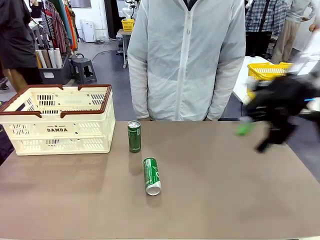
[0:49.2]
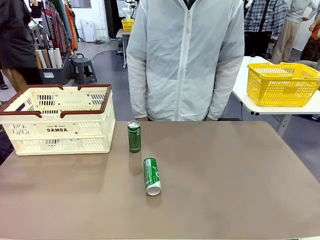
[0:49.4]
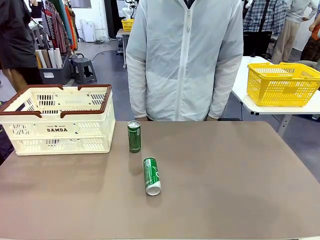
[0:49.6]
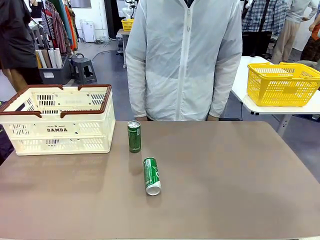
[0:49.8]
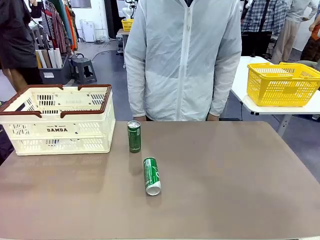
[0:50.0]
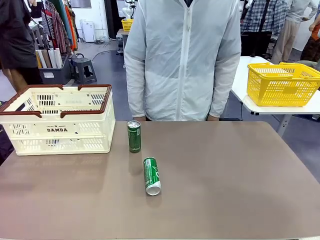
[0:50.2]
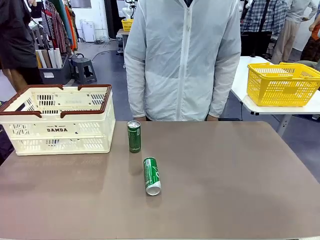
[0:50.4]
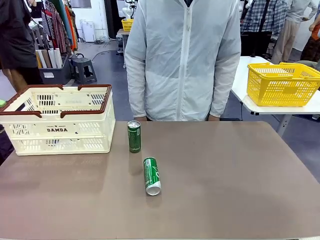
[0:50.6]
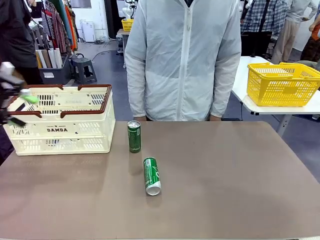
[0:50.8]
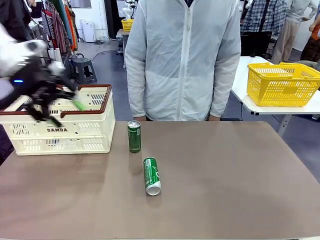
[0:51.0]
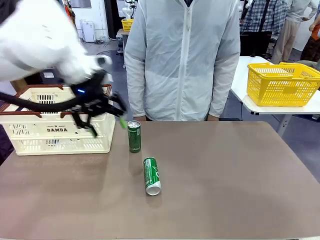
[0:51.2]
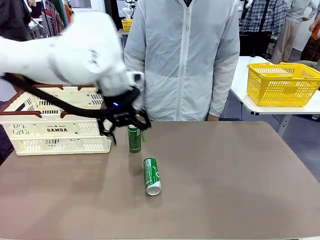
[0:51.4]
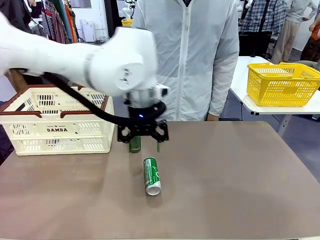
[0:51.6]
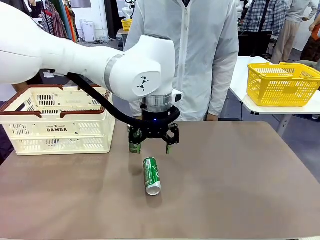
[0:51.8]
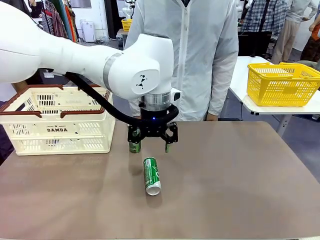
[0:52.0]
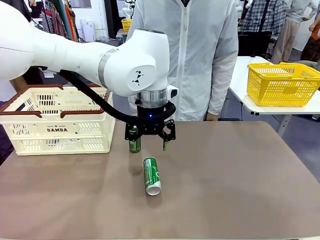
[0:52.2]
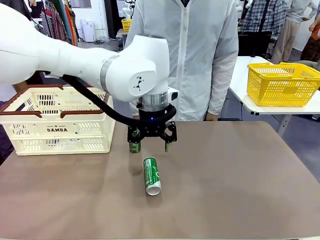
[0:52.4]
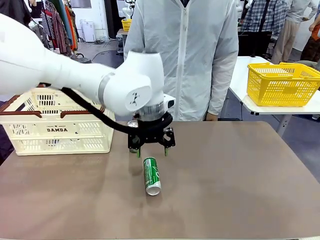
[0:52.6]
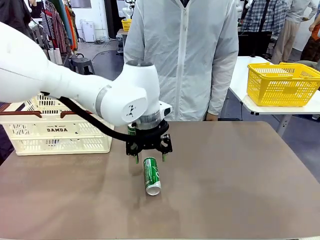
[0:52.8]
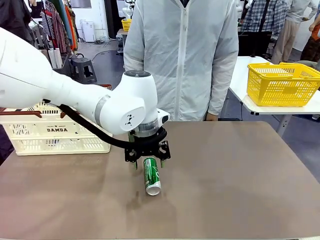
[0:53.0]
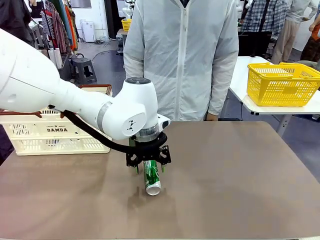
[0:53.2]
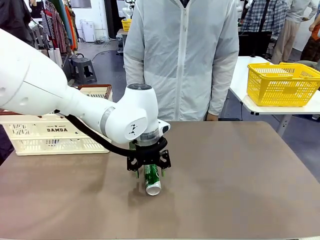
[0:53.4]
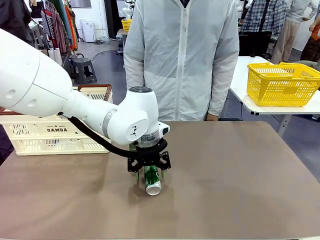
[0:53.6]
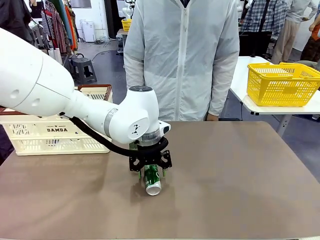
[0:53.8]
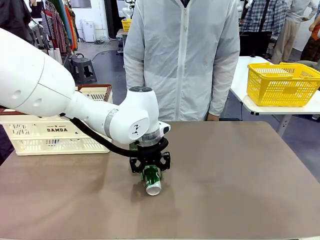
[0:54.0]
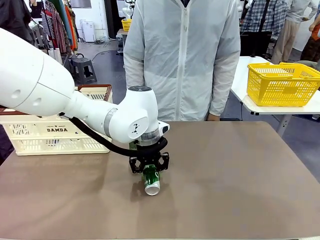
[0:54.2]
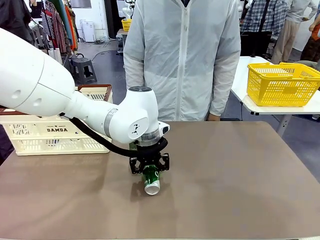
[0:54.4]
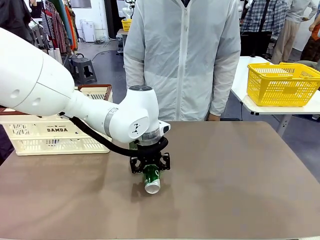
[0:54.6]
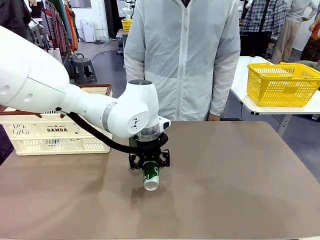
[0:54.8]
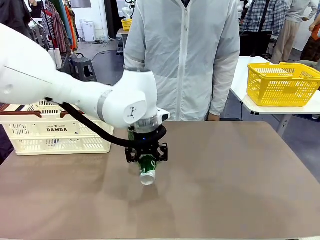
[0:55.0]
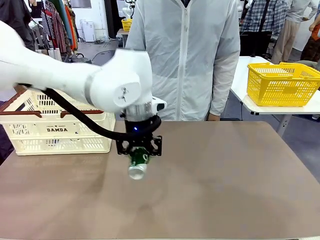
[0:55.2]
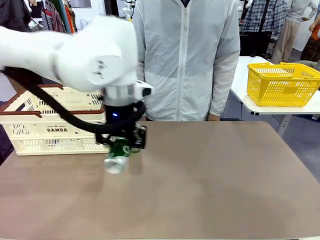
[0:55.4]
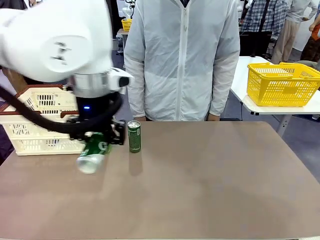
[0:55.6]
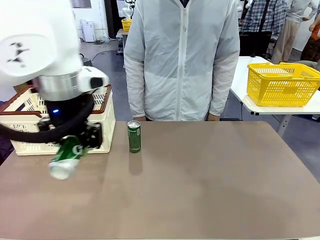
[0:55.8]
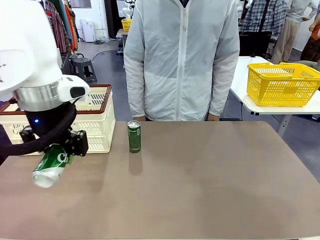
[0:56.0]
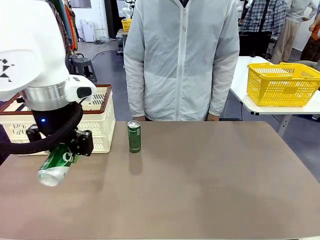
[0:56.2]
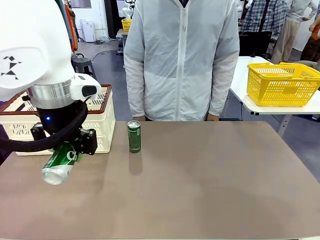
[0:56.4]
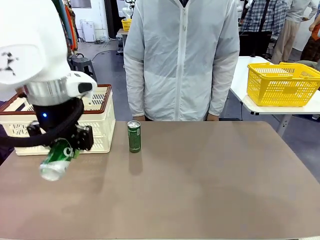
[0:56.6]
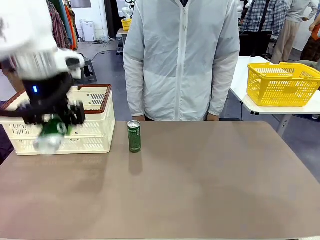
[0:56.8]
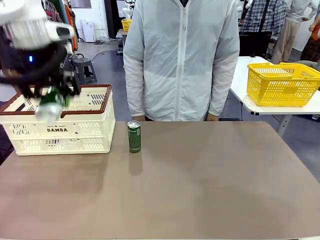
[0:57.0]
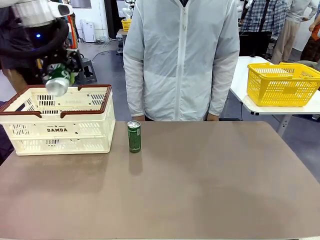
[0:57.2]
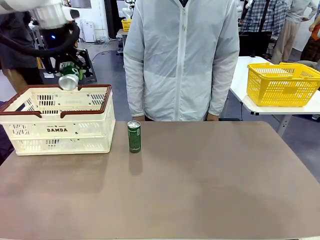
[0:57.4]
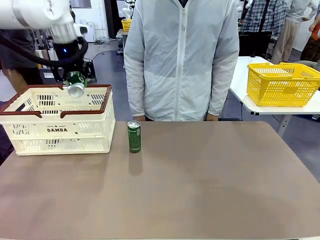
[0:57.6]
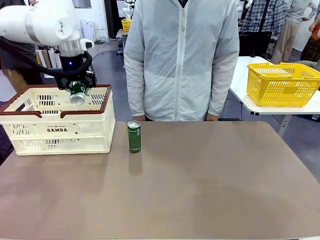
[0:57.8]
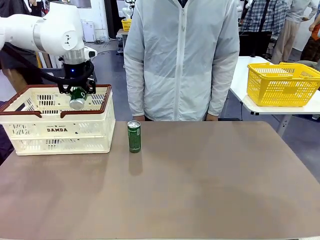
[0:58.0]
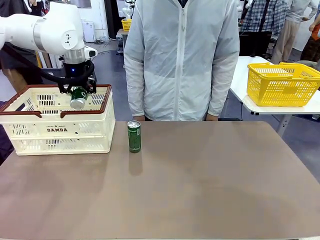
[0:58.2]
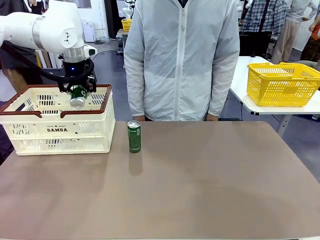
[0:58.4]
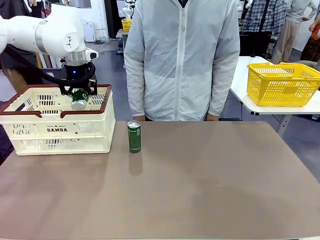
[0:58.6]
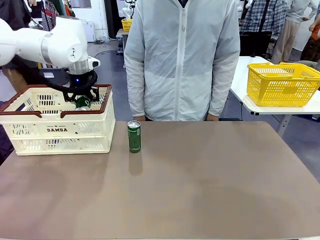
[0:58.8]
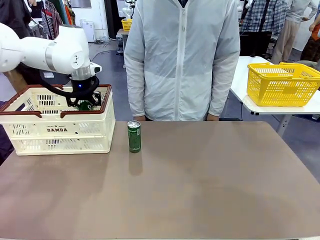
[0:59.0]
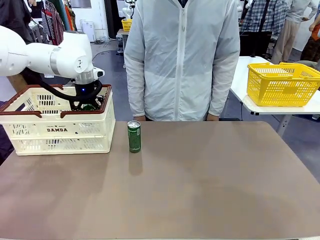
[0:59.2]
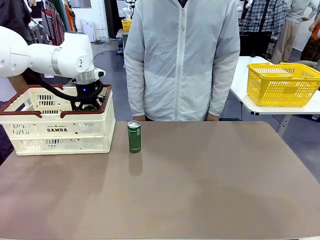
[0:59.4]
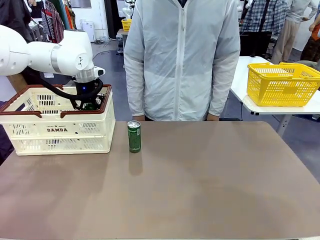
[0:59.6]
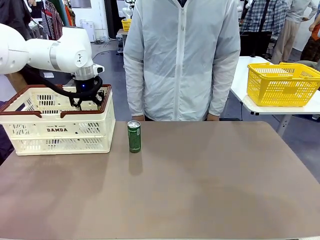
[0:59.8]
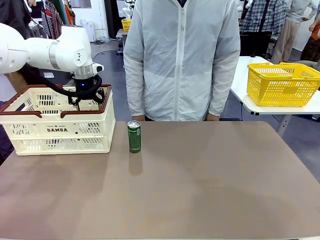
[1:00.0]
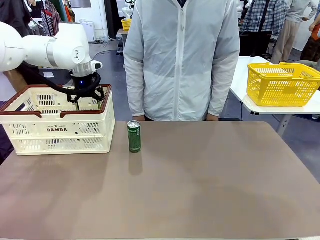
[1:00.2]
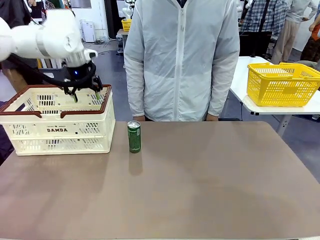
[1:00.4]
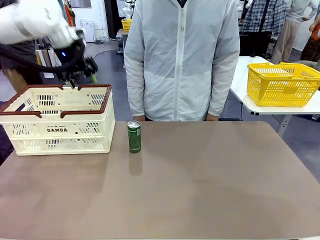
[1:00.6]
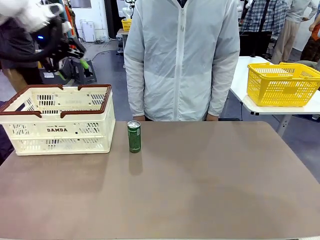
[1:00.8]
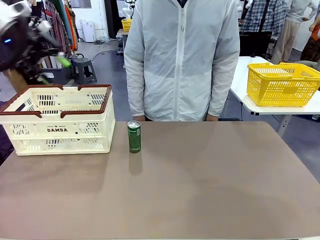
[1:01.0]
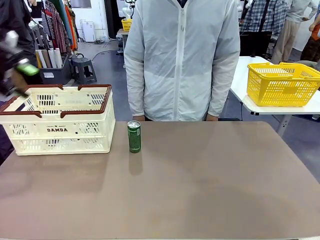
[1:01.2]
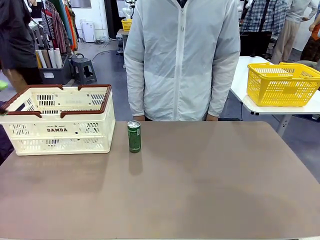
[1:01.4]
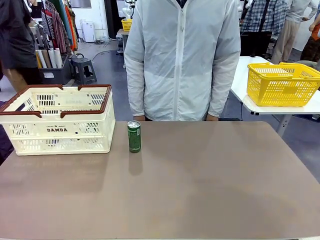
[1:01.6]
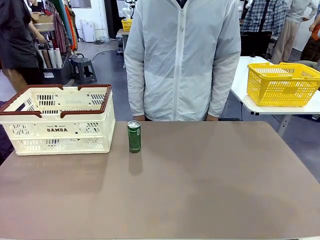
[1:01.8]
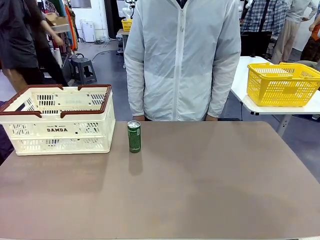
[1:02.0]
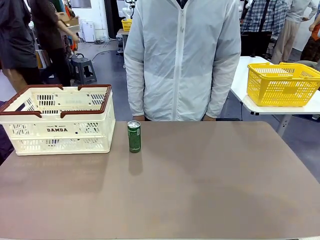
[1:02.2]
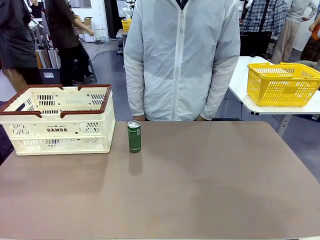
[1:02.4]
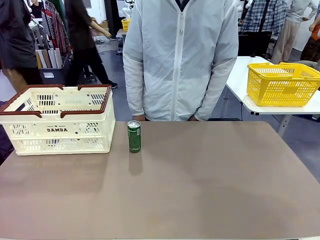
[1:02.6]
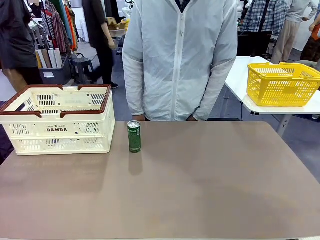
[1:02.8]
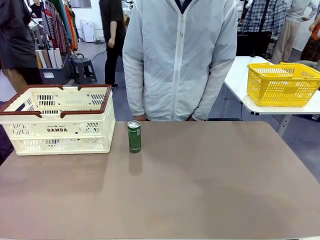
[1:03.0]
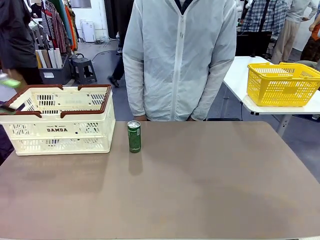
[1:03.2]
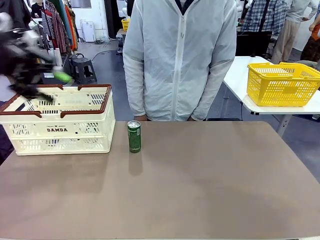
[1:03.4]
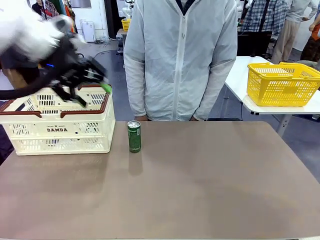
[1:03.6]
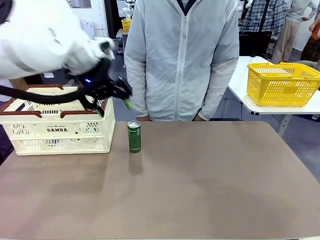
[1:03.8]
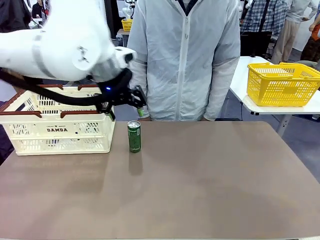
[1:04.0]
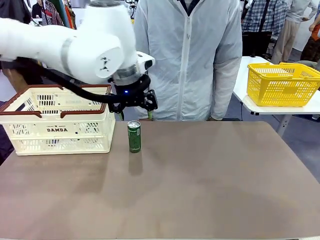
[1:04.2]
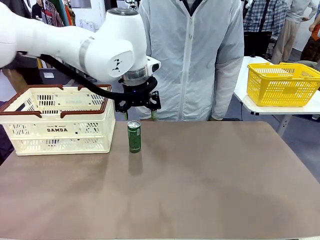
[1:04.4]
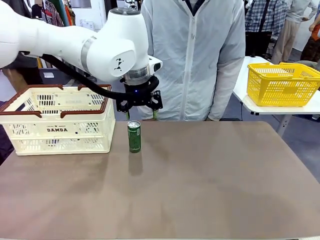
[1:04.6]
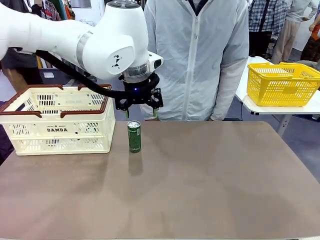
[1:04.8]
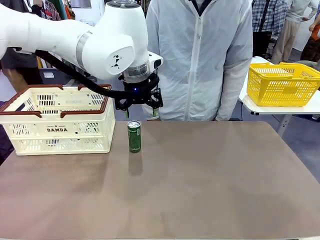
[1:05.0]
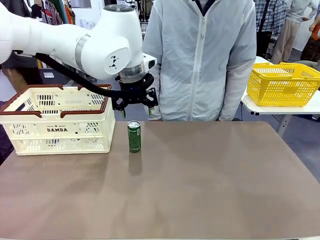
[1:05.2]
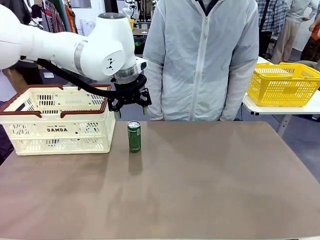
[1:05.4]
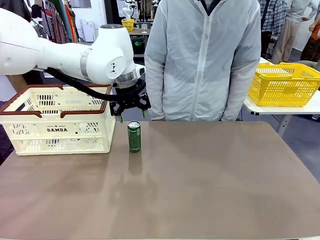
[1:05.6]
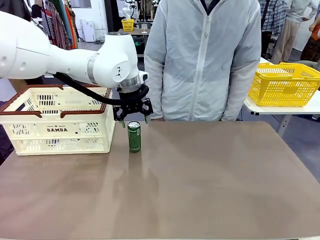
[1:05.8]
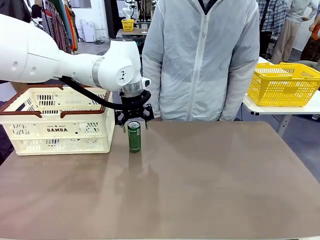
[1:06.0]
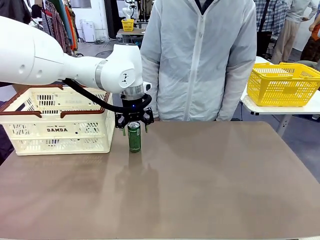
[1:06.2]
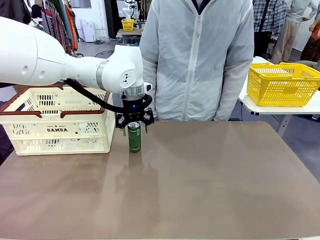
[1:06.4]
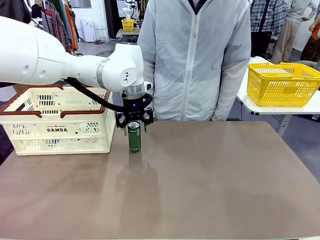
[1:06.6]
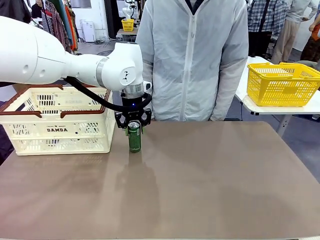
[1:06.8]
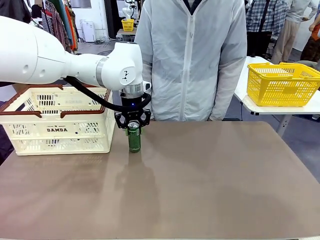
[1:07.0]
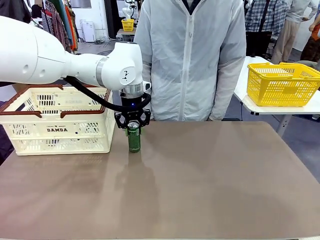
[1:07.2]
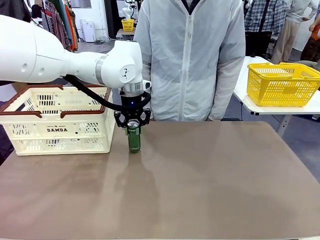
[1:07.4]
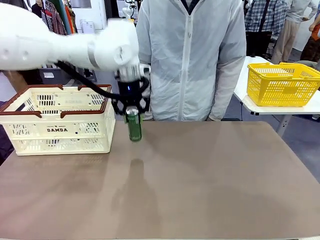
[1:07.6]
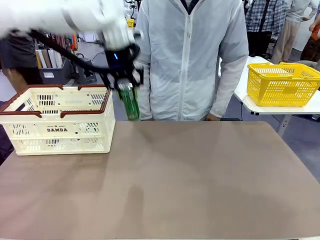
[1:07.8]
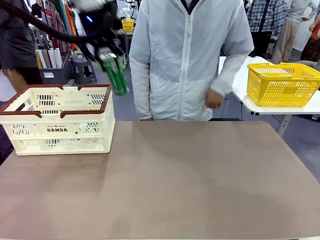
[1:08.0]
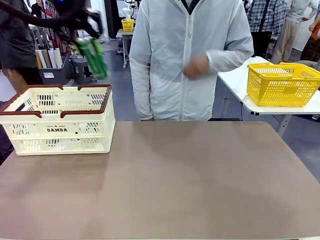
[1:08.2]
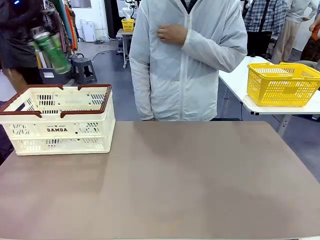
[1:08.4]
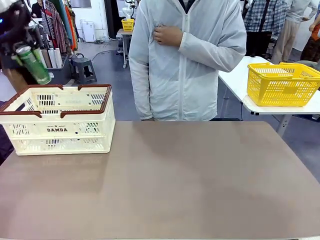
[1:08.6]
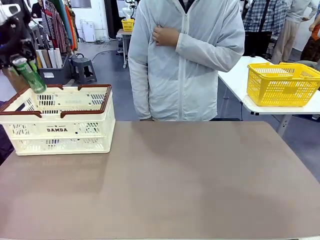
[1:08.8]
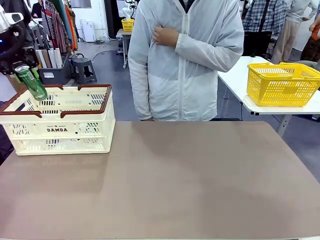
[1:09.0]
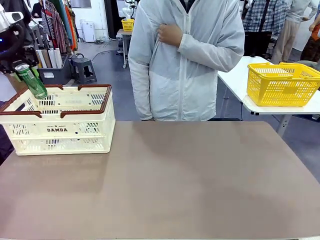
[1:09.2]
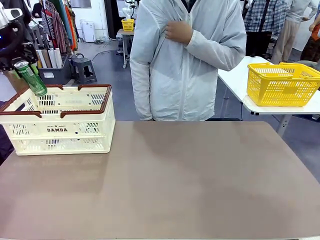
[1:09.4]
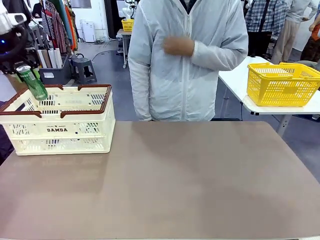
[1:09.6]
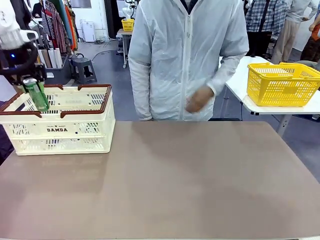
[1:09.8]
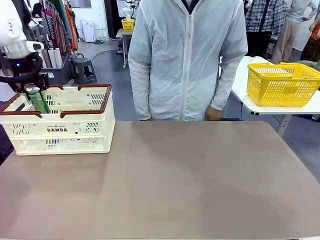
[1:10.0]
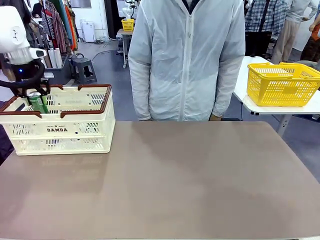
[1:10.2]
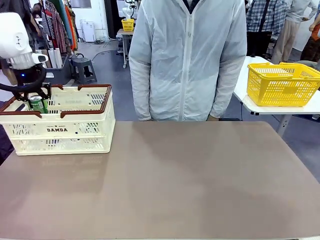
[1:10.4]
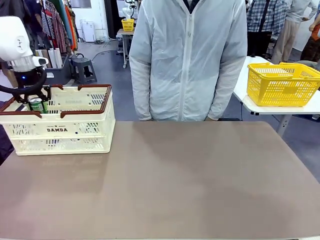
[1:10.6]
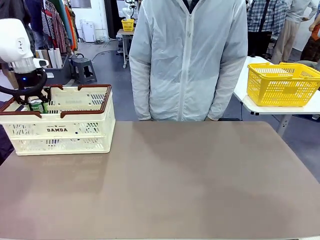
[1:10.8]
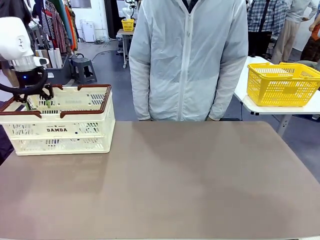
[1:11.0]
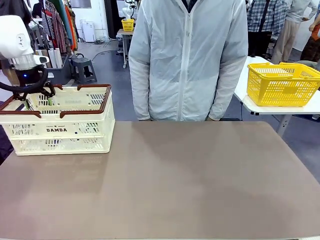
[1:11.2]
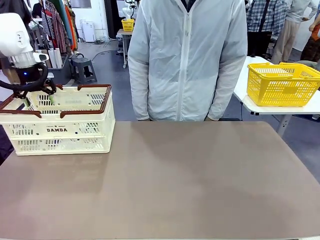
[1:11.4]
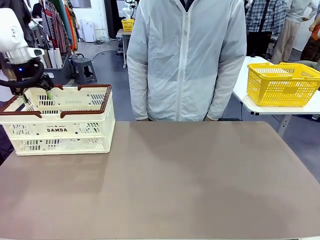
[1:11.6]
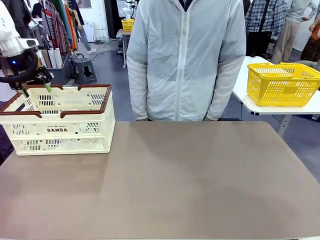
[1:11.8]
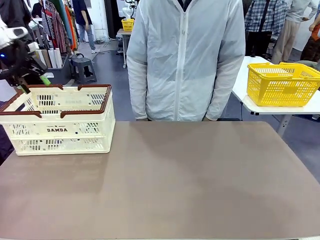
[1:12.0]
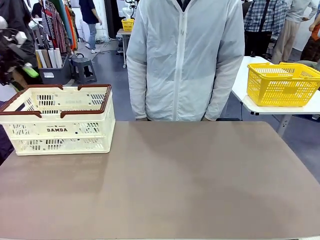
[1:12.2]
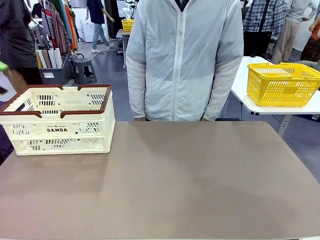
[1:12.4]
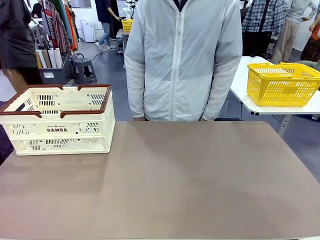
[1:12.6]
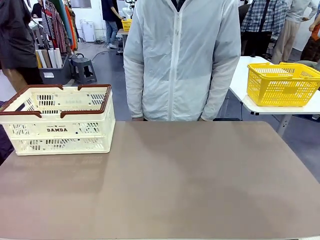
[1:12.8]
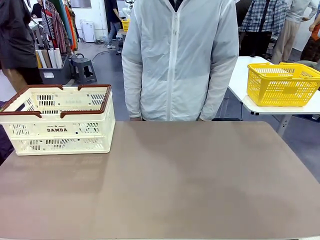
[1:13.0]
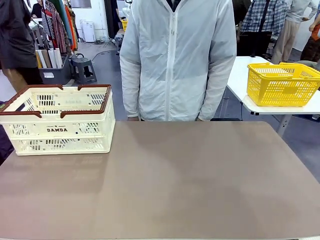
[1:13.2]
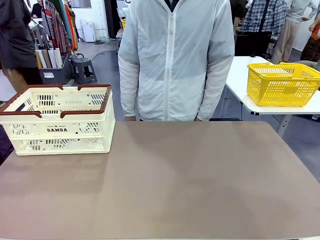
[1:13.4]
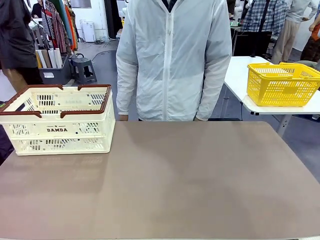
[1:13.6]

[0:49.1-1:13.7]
Task: Place the drinks into the Shopping basket.
Robot: Pick up one drink and place it into the Shopping basket.
